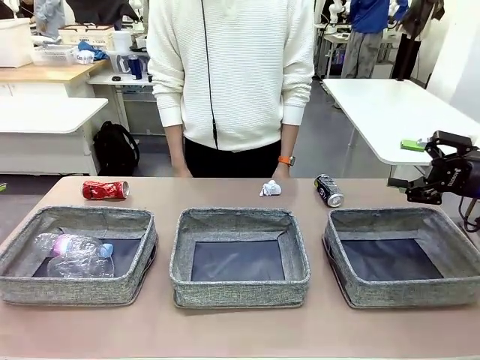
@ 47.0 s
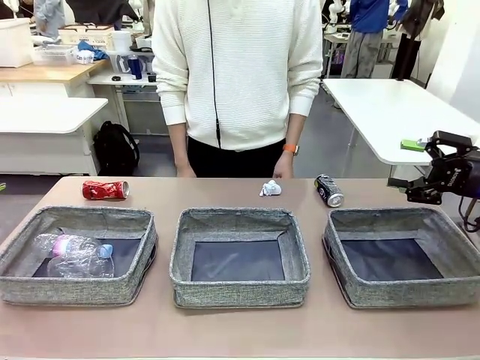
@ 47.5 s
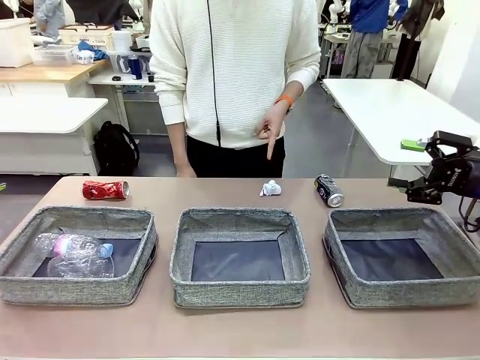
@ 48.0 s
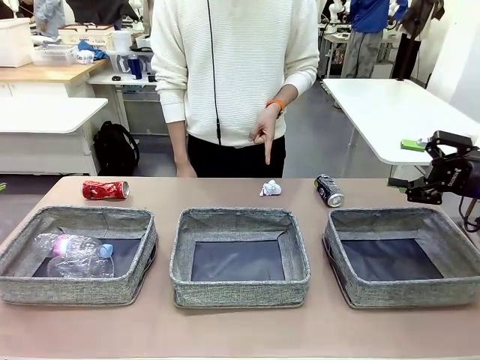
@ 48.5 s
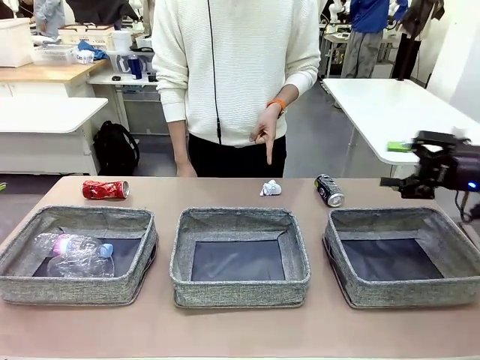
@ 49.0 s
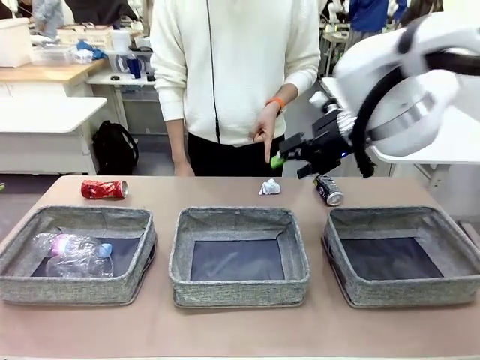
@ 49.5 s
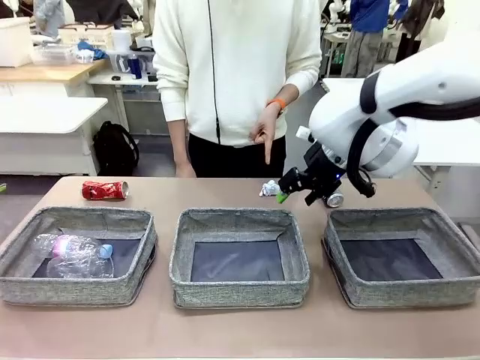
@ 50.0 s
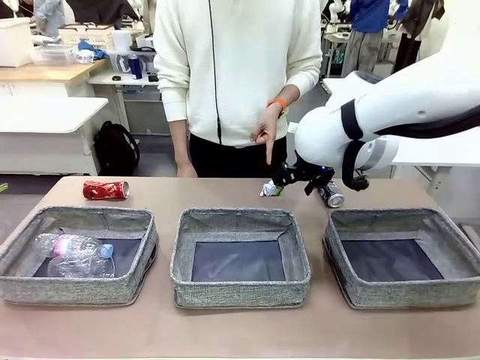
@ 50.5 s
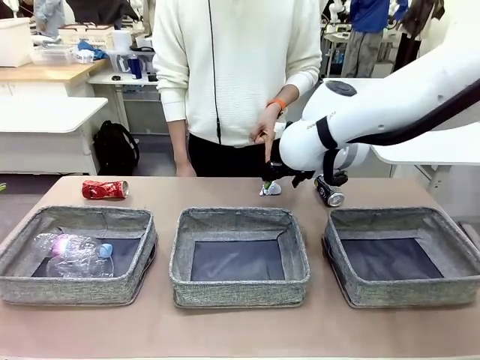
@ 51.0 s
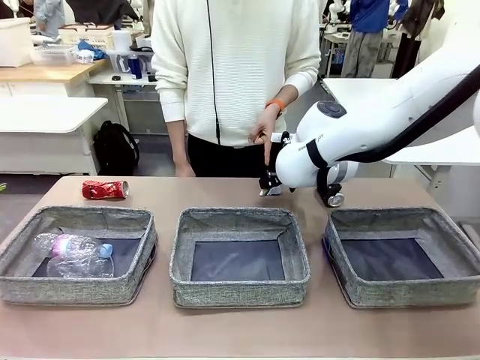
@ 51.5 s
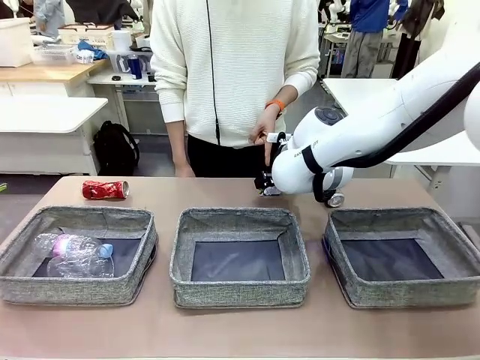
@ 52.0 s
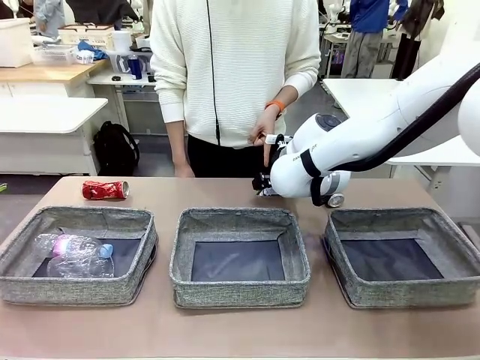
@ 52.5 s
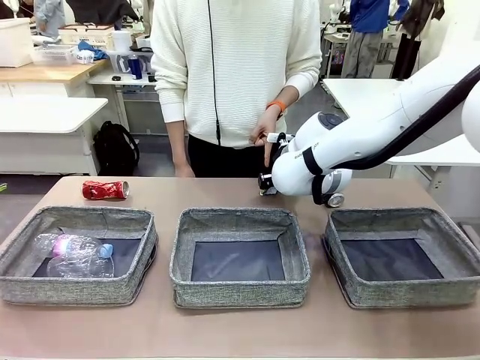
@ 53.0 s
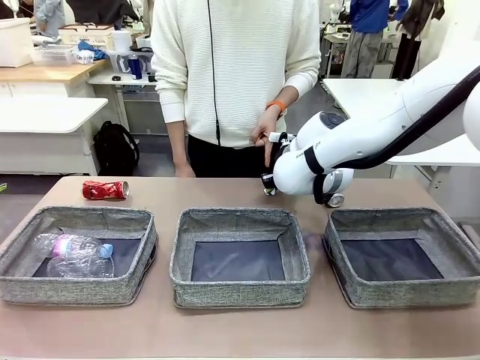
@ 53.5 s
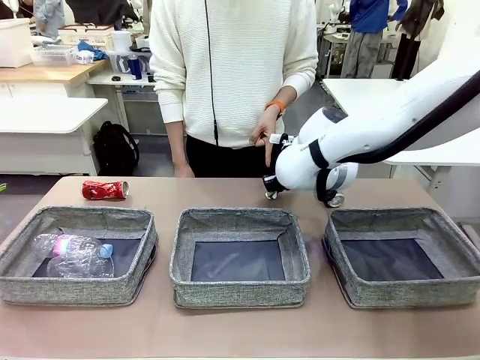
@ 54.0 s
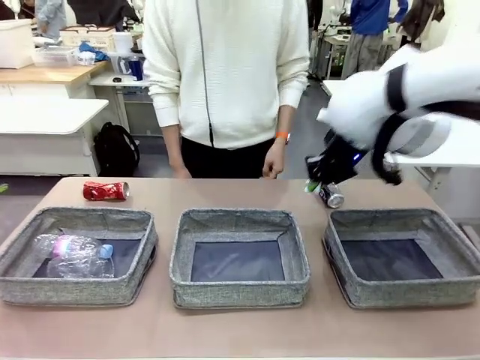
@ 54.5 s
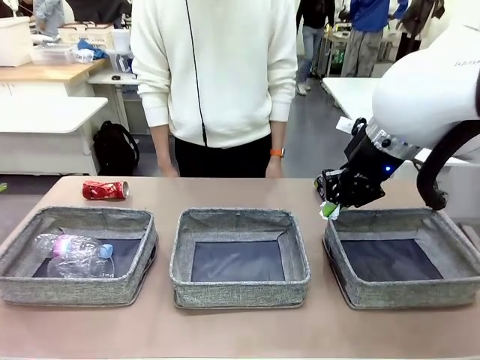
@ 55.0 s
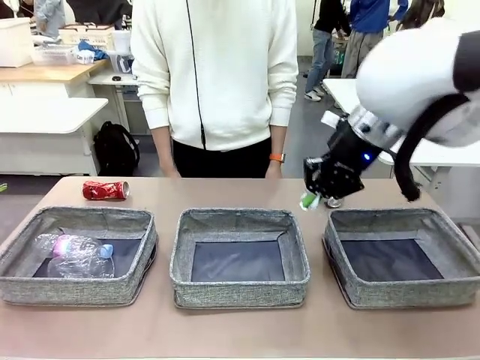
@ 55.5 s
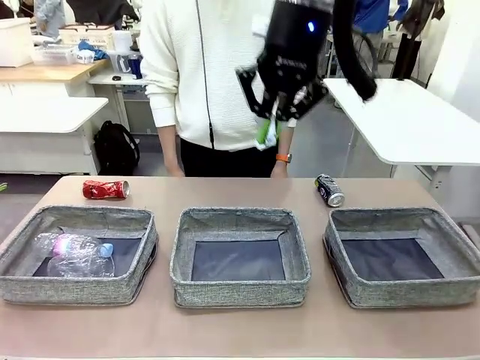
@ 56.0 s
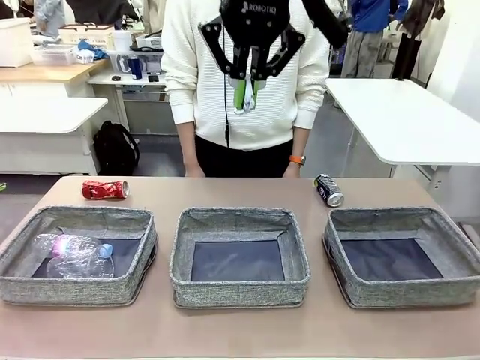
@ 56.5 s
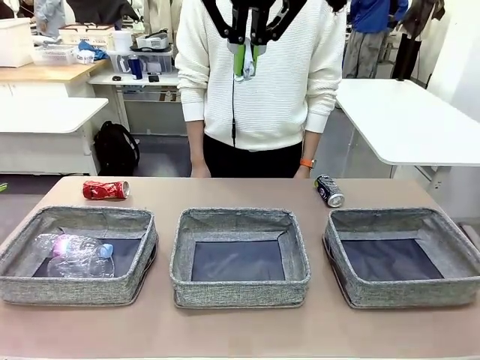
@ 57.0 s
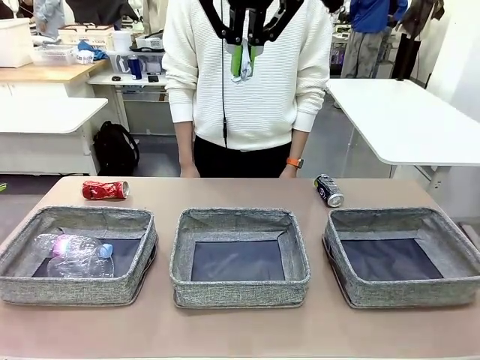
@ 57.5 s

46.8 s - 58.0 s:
Task: Sort the waste into the appropriate baskets.
Robot: Pick up the waste item pointed out by the person.
Person: Points to one piece of trash on the table.

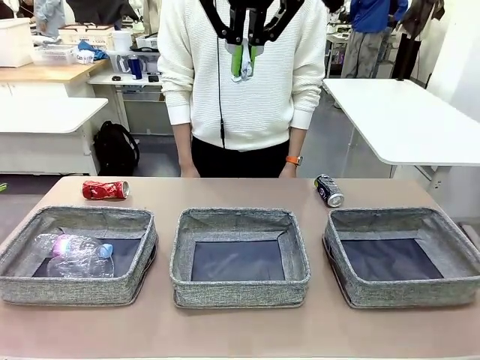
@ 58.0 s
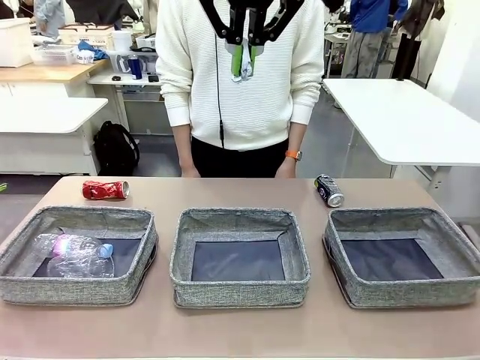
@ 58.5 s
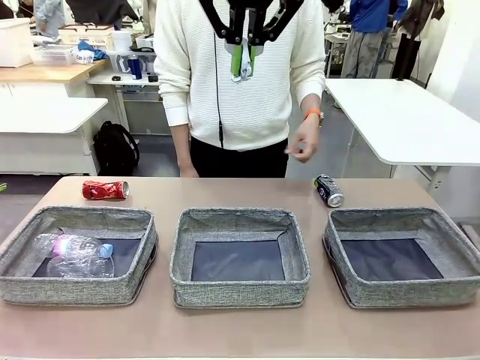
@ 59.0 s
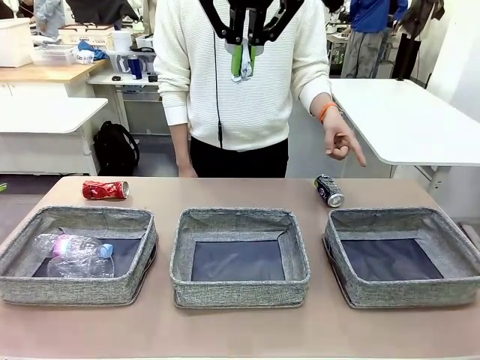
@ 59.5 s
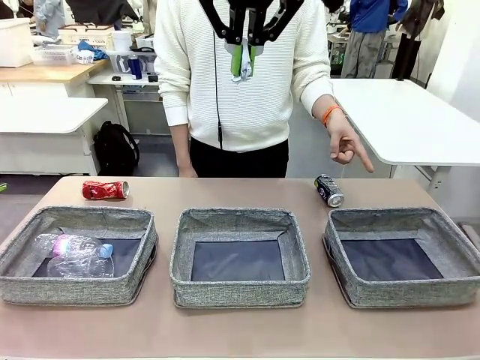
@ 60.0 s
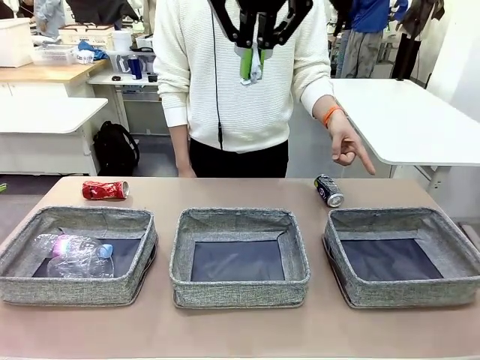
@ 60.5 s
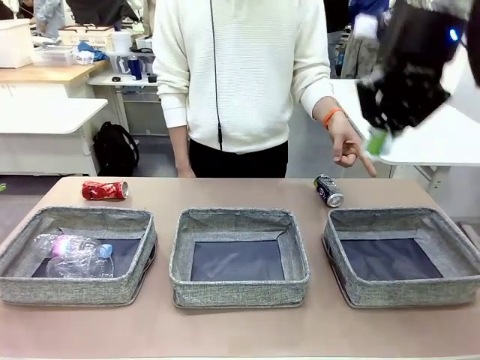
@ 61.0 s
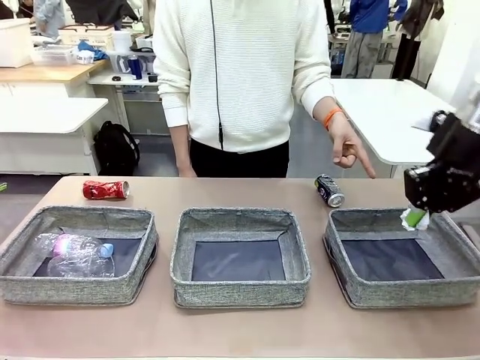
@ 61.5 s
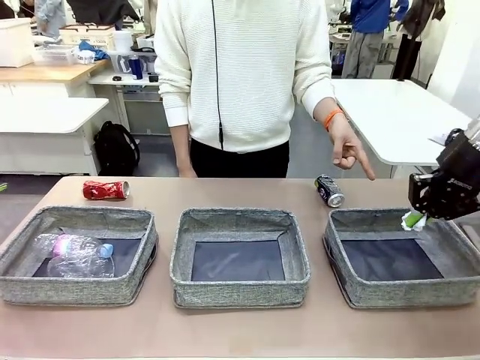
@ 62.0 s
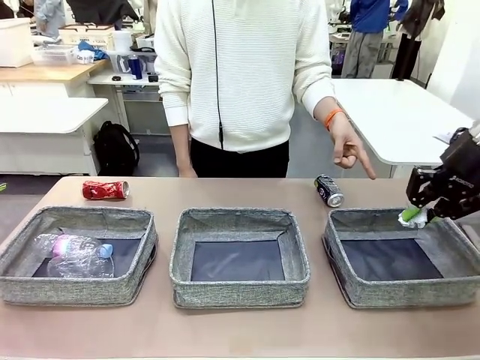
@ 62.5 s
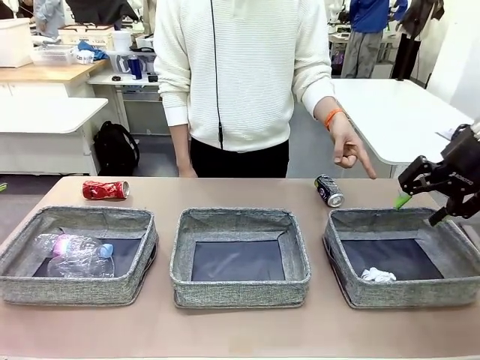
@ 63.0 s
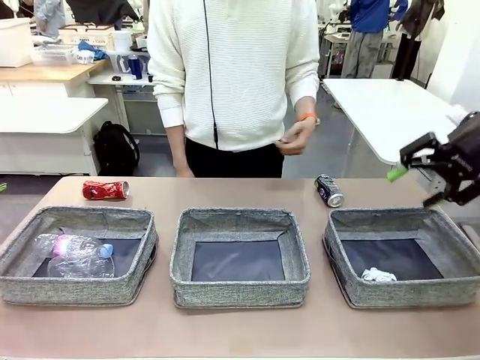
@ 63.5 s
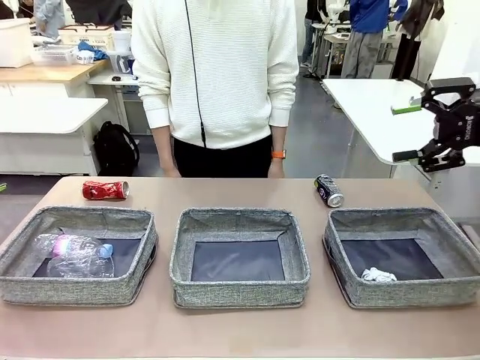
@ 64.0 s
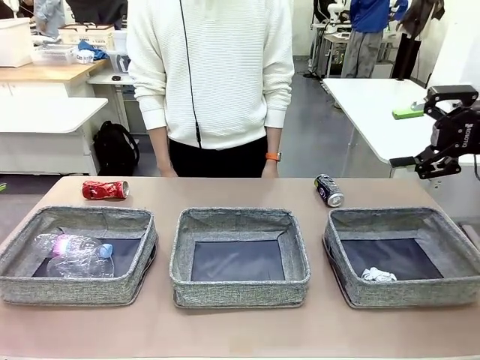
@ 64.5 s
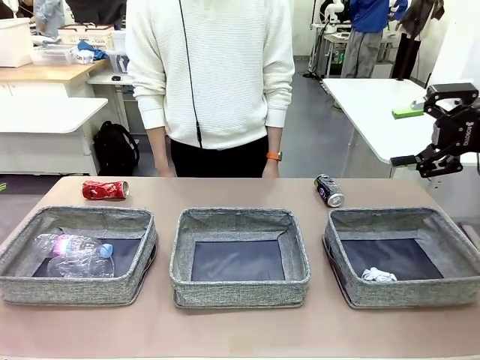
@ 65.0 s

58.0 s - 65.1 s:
Robot: Place the picked waste into the Fabric basket indicated by the person.
Person: Instructs the robot to place the picked-up trash into the appropriate organizing basket.

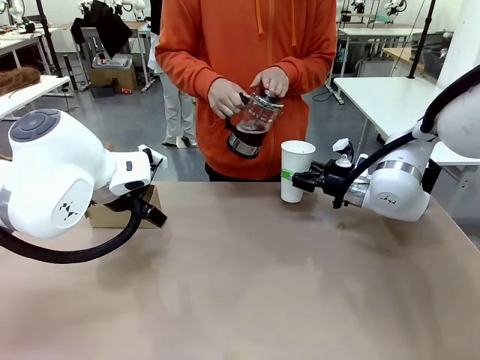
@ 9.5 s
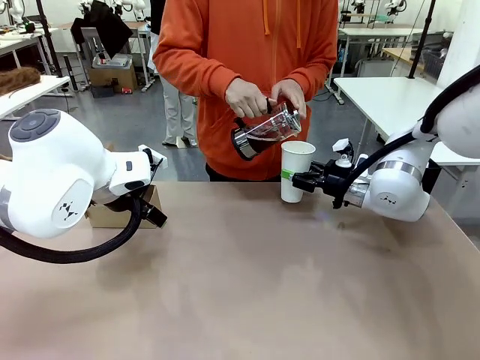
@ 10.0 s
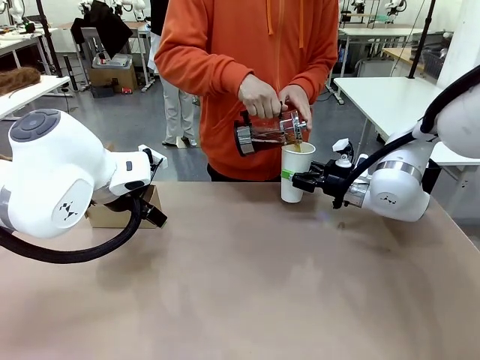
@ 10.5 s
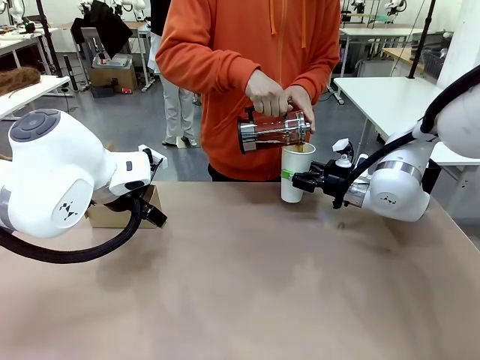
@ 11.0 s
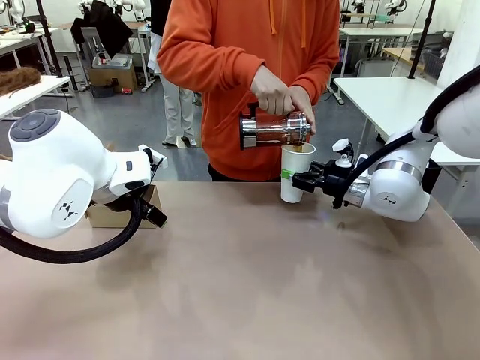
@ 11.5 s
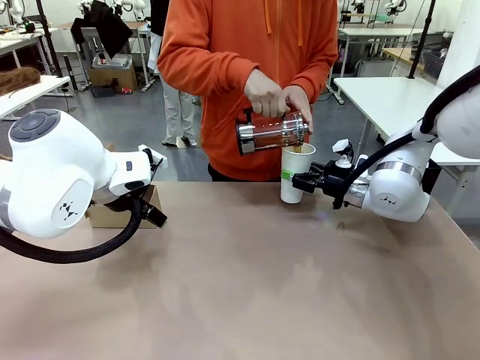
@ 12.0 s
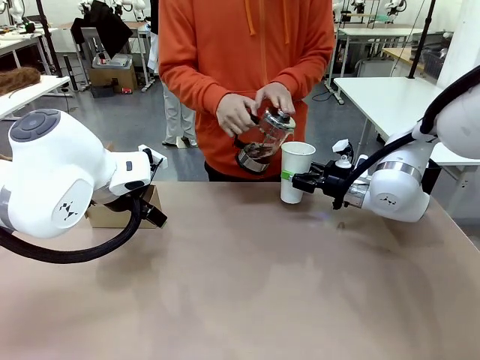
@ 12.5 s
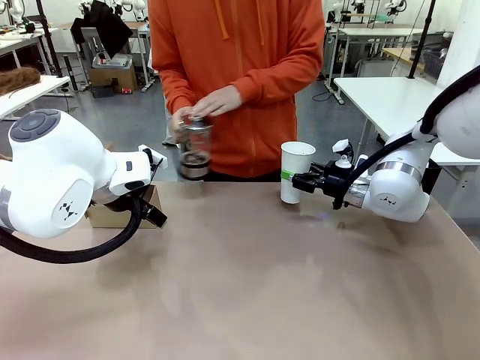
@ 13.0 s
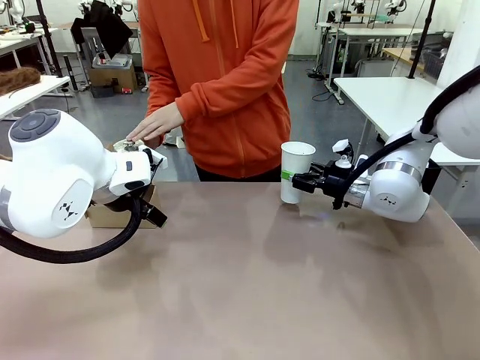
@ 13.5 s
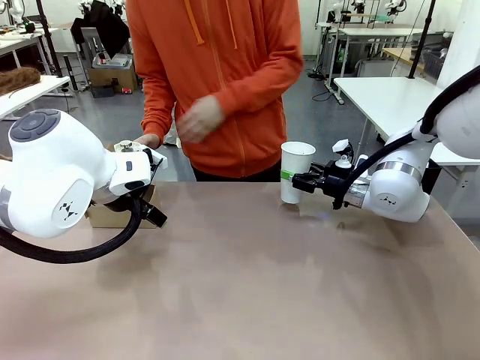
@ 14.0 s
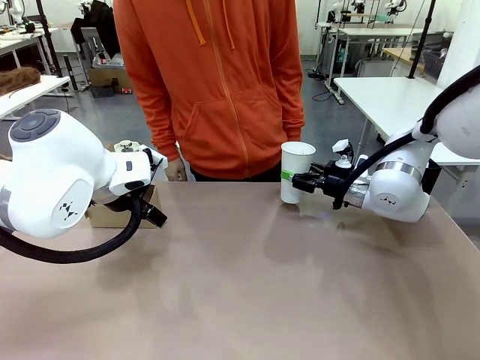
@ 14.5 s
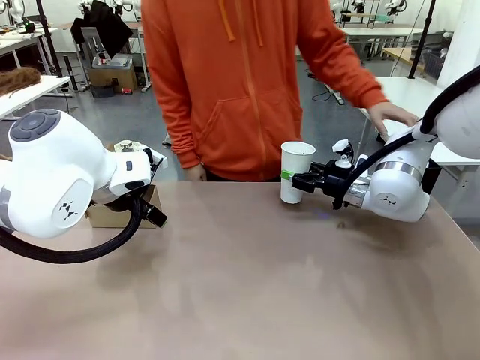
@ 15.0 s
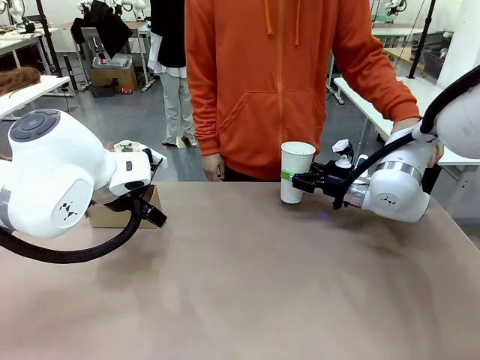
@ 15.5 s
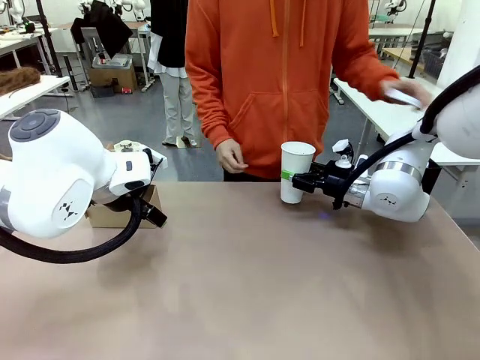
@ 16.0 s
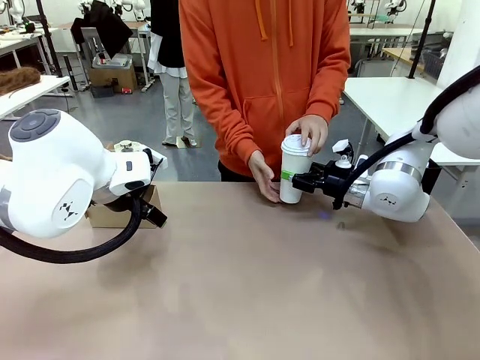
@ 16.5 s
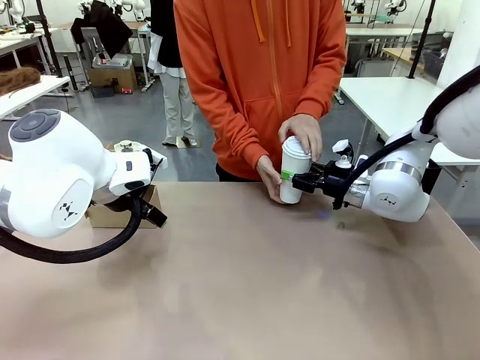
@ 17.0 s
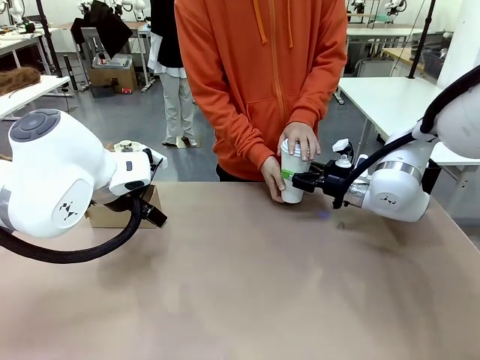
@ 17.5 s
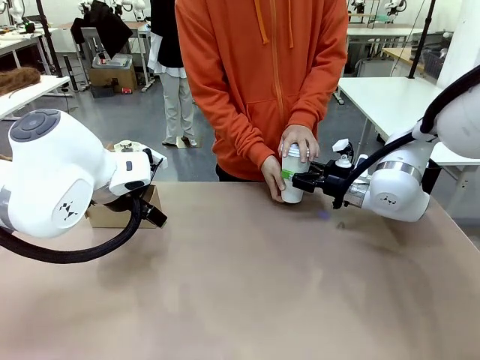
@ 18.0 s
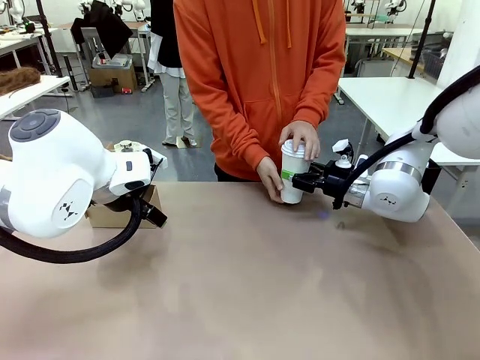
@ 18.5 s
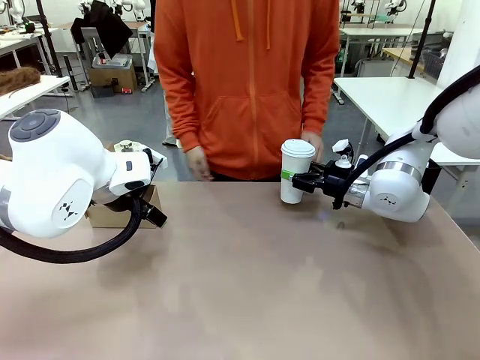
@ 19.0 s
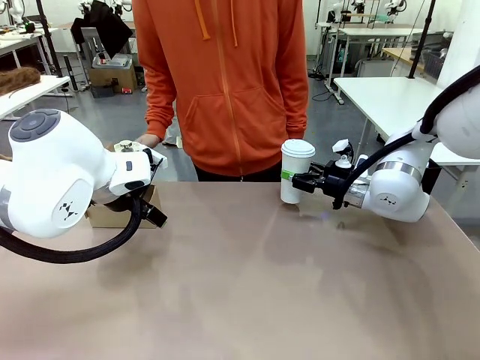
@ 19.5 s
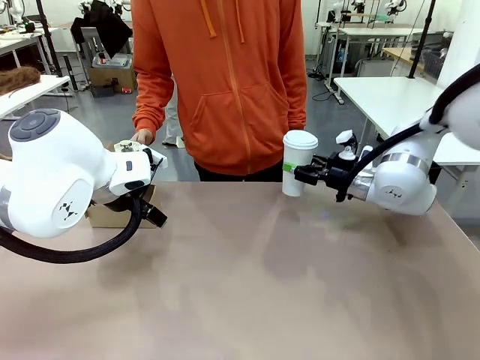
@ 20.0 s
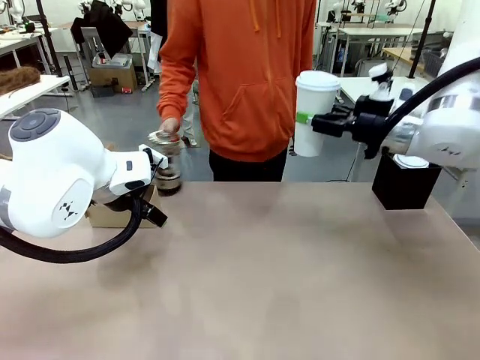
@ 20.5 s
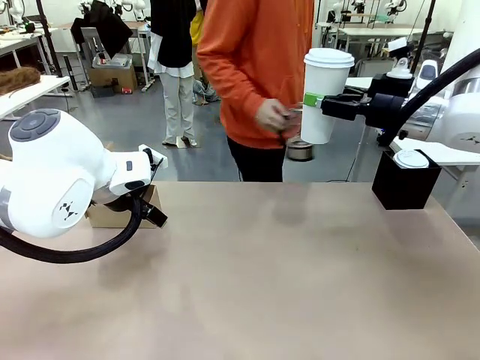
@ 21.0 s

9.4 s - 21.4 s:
Task: Pour a drink into a cup and package it in a carrier.
Robot: When a person places the Paper Cup Lid on the 600 ml Paper Cup , lift the 600 ml Paper Cup.
Person: Pour the drink from the Filter Brewing into the 600 ml Paper Cup. Place a Paper Cup Lid on the 600 ml Paper Cup.
